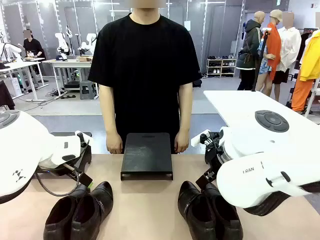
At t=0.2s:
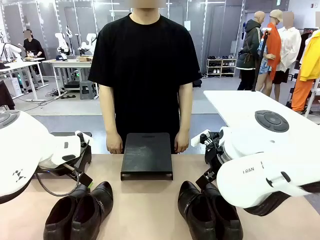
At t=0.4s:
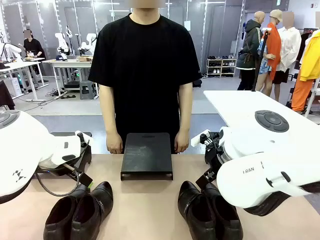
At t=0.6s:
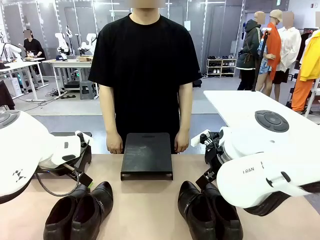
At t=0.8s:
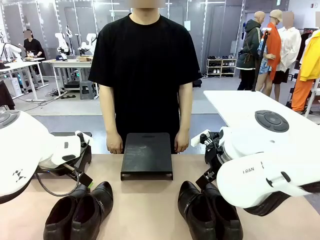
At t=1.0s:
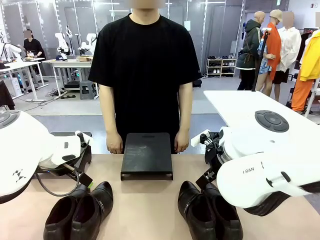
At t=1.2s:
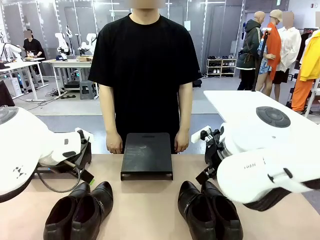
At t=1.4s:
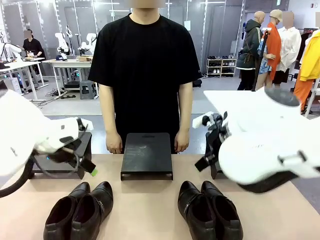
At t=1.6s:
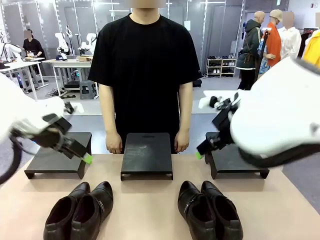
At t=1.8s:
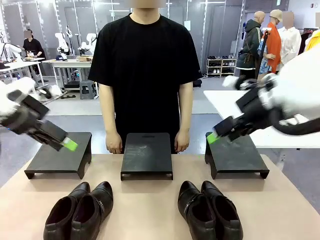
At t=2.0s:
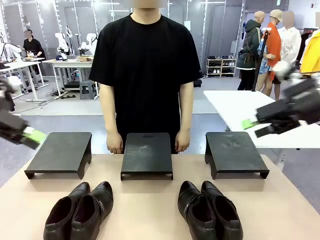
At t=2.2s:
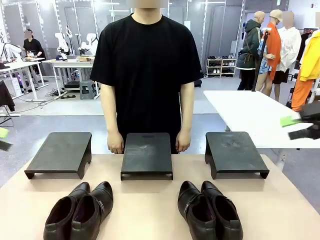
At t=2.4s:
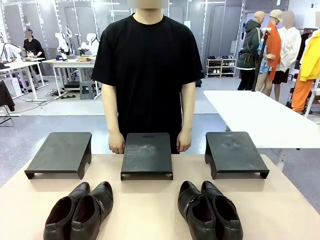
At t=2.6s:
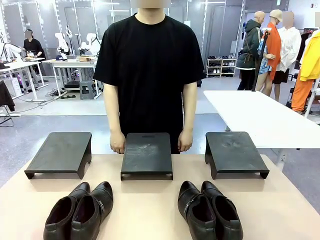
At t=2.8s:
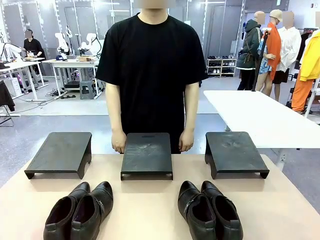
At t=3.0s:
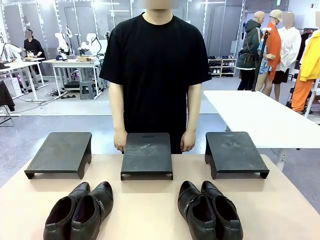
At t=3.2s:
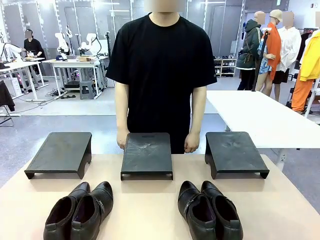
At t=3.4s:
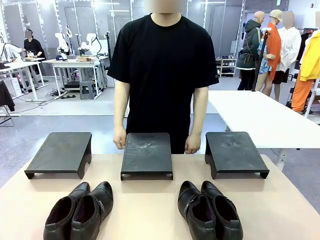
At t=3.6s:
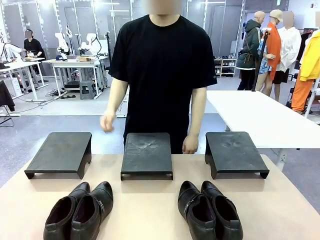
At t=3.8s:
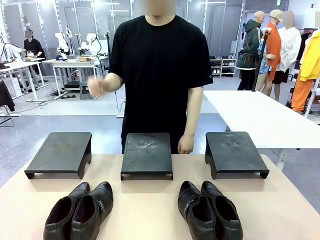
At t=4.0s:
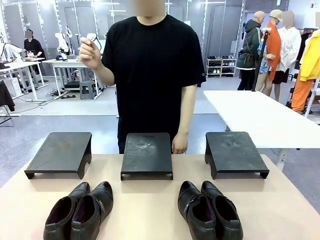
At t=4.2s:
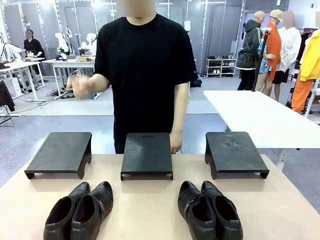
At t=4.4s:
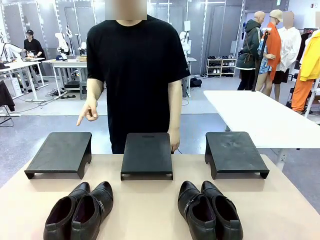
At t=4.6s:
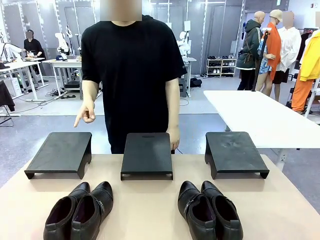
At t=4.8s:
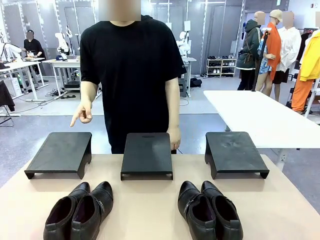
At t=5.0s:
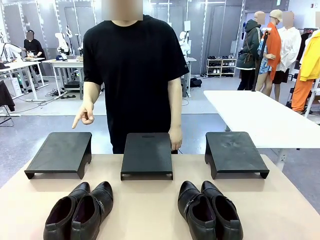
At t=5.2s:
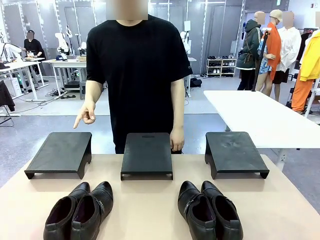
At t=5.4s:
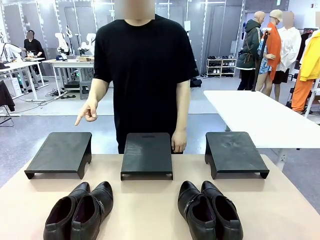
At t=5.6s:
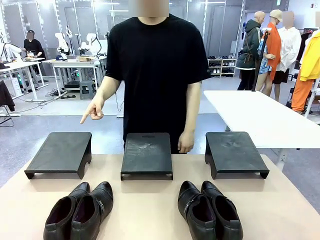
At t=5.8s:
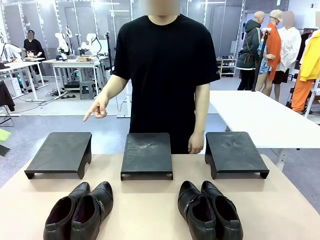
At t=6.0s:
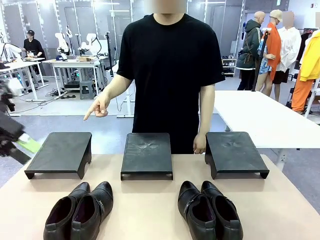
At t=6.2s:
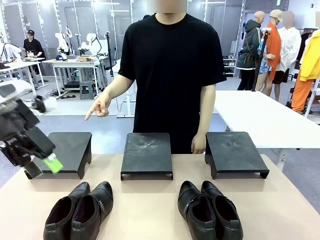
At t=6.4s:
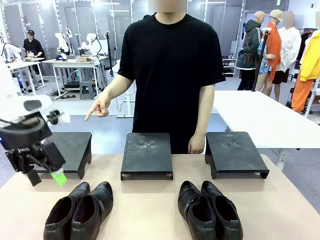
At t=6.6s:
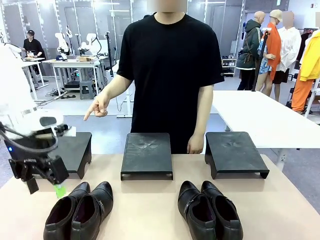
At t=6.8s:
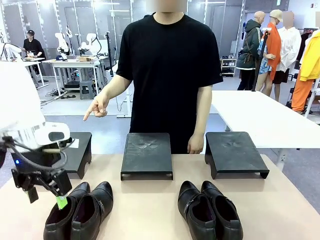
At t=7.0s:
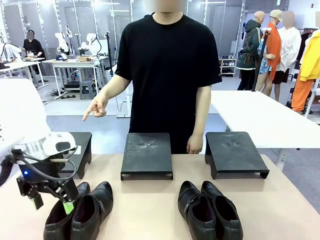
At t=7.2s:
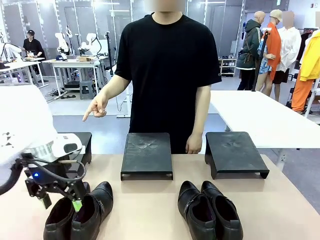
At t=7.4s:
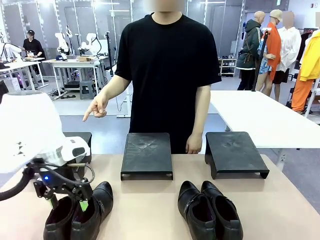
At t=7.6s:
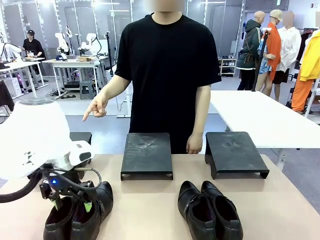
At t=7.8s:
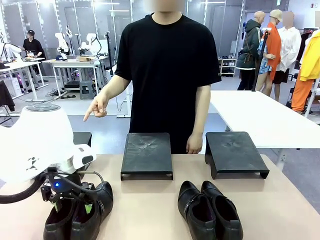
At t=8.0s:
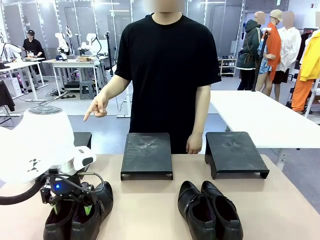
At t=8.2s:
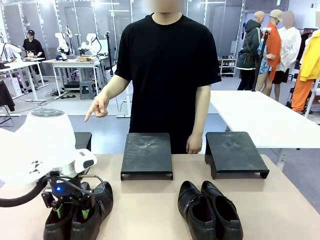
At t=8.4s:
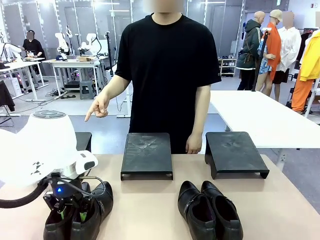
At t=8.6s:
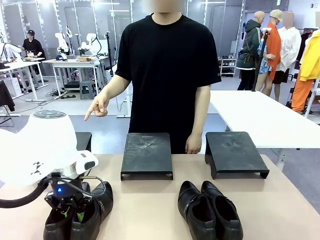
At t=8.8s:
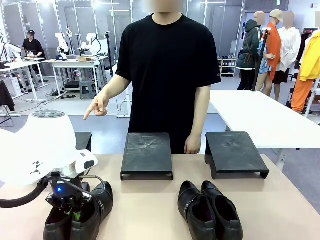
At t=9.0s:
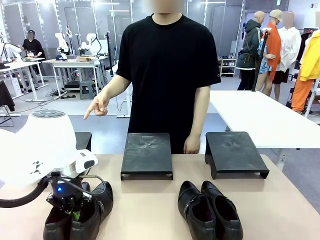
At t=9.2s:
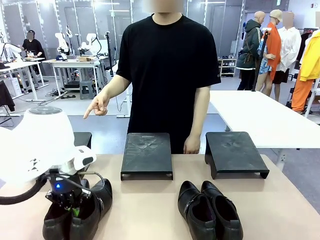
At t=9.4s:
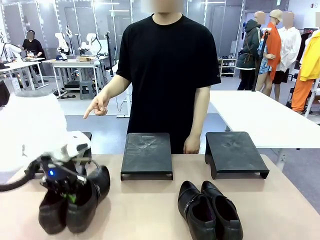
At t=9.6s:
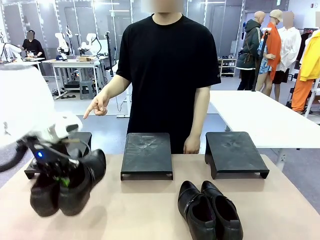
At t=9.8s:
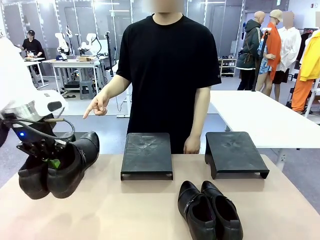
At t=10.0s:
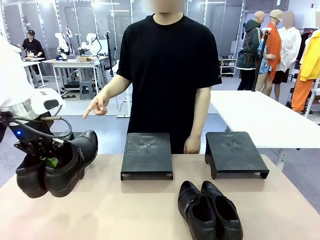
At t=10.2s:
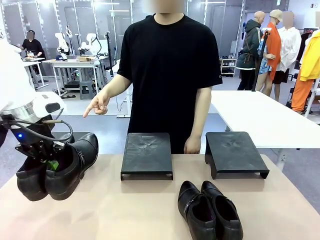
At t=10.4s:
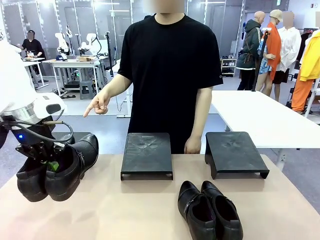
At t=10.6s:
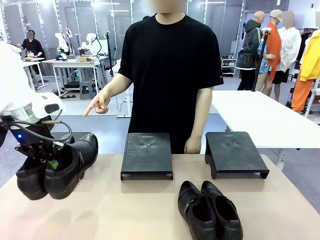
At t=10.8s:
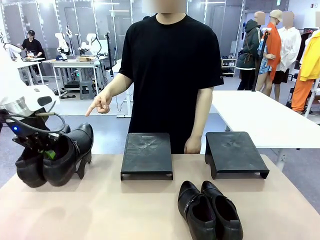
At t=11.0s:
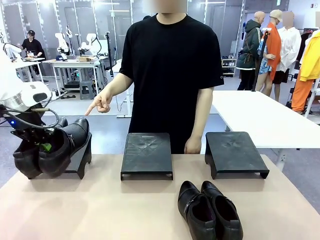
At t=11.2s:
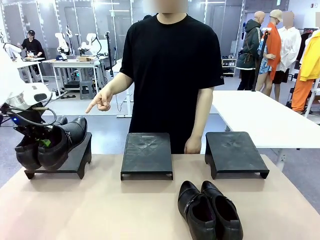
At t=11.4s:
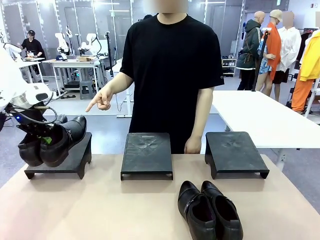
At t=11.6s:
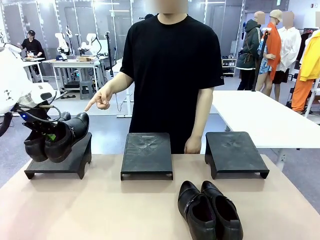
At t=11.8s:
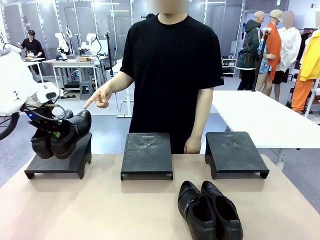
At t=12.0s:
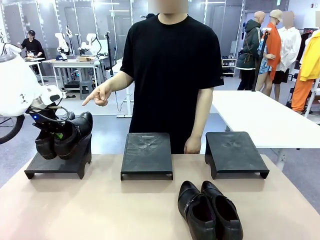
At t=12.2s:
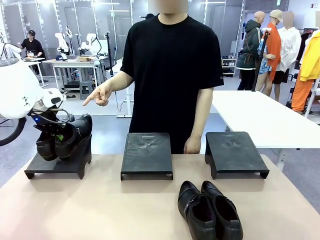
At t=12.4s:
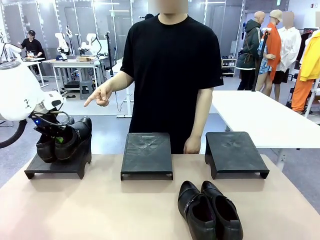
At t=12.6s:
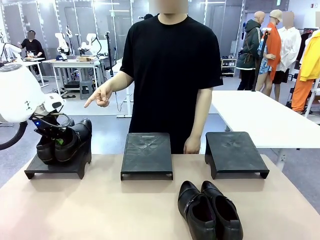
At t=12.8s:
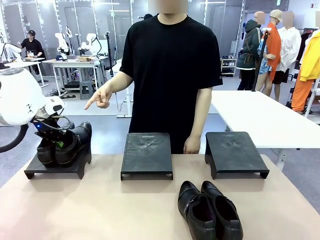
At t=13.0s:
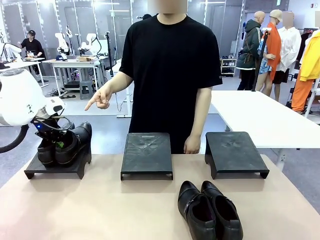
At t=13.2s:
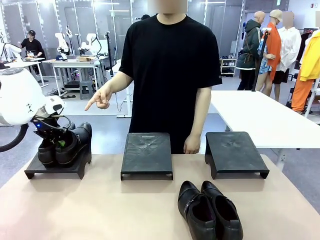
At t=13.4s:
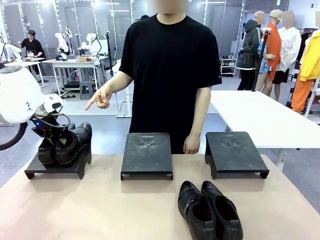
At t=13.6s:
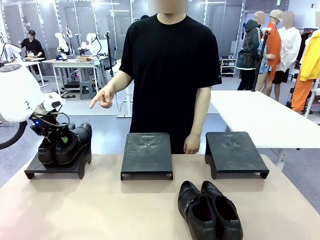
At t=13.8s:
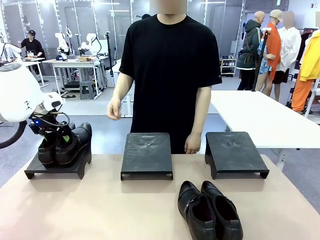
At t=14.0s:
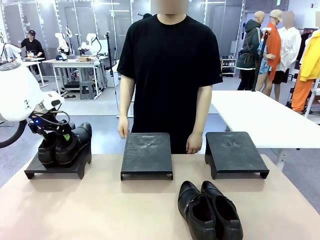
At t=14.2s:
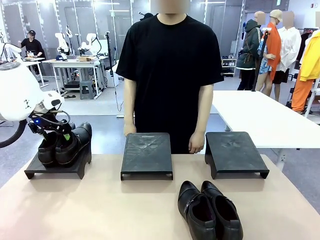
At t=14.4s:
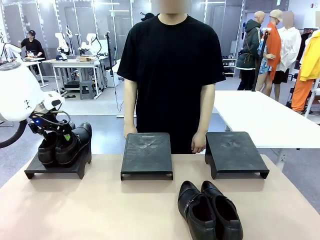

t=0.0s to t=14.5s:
Task: Place the shoes on the stand as instructed by the person.
Robot: Pick up one pair of Shoes and place it on the Shoes Stand indicated by the person.
